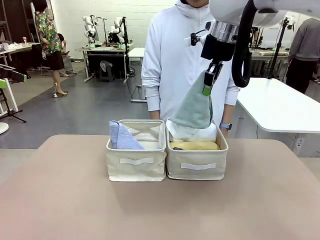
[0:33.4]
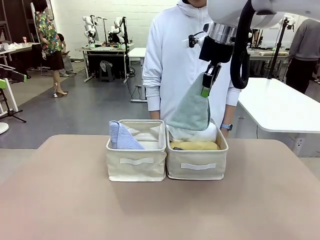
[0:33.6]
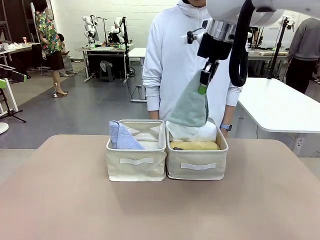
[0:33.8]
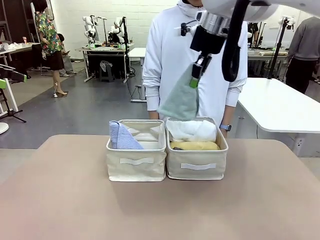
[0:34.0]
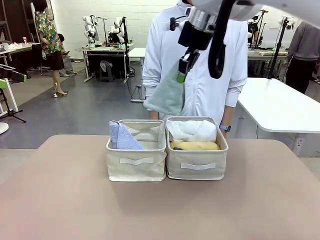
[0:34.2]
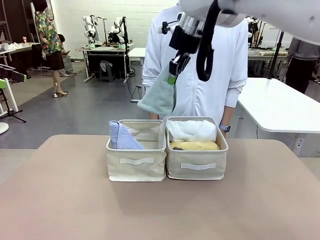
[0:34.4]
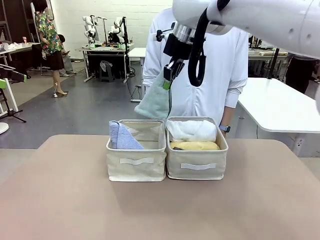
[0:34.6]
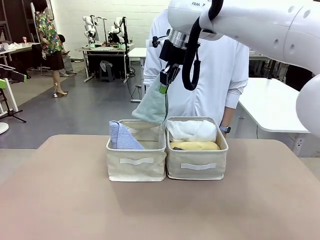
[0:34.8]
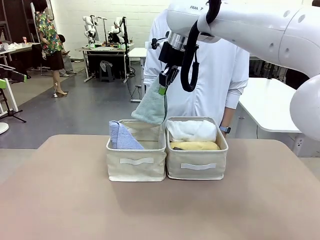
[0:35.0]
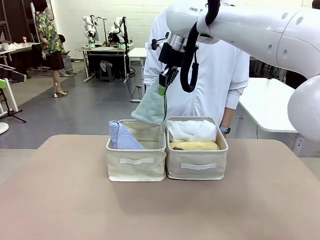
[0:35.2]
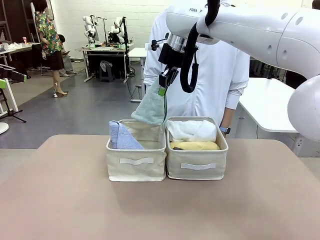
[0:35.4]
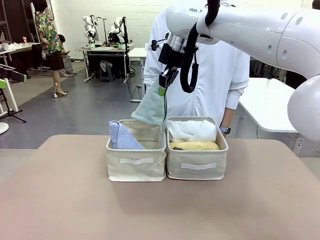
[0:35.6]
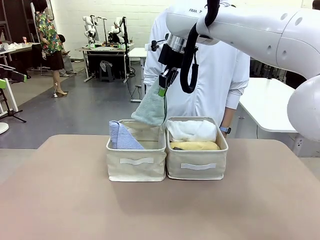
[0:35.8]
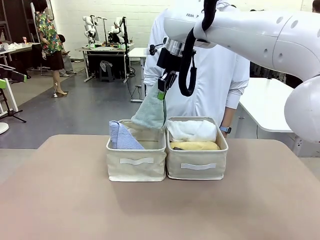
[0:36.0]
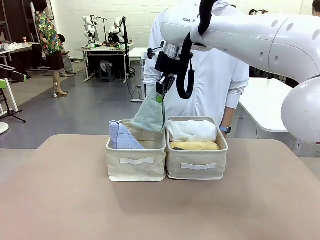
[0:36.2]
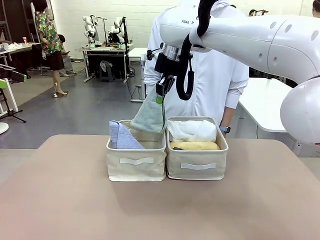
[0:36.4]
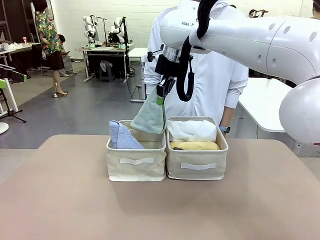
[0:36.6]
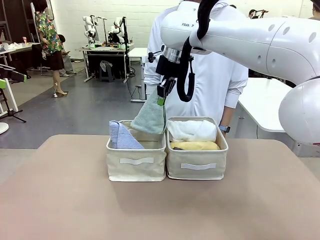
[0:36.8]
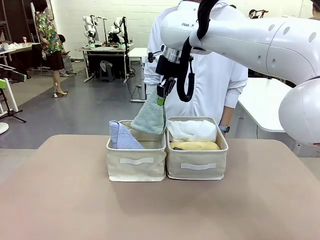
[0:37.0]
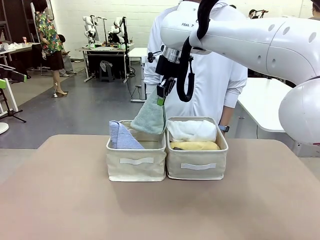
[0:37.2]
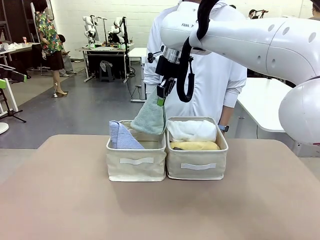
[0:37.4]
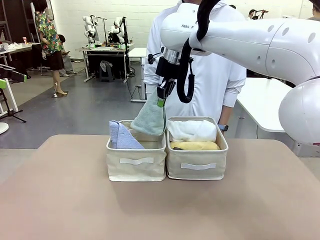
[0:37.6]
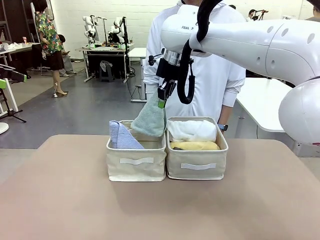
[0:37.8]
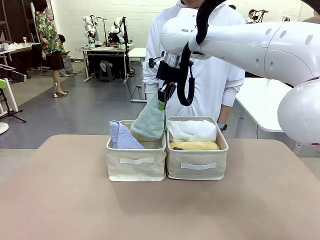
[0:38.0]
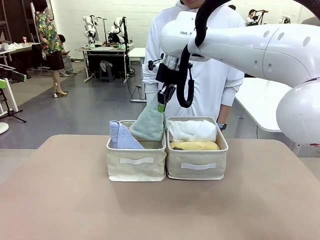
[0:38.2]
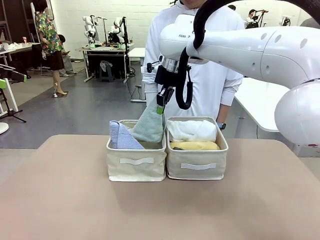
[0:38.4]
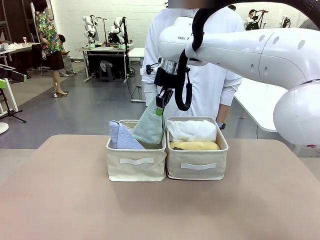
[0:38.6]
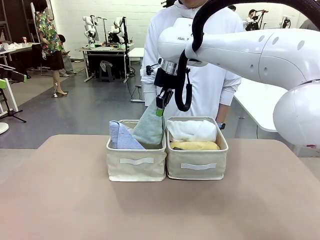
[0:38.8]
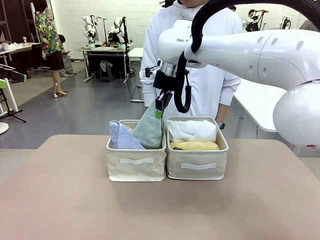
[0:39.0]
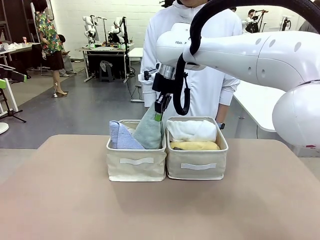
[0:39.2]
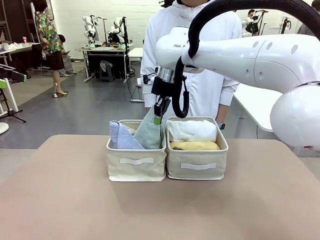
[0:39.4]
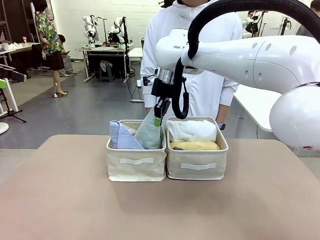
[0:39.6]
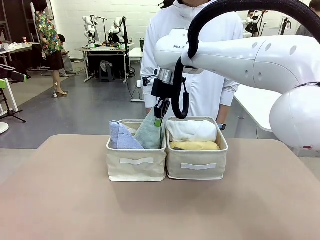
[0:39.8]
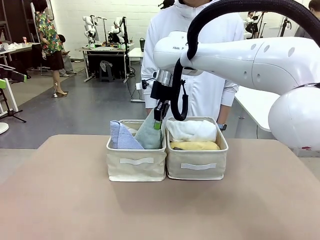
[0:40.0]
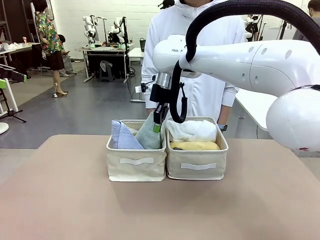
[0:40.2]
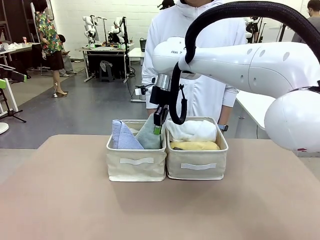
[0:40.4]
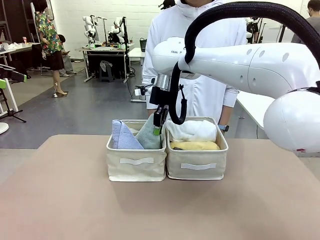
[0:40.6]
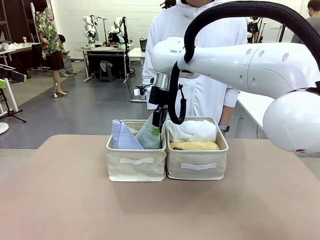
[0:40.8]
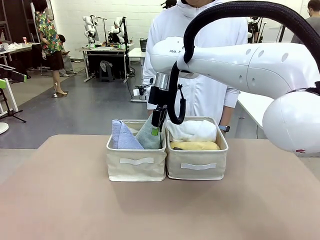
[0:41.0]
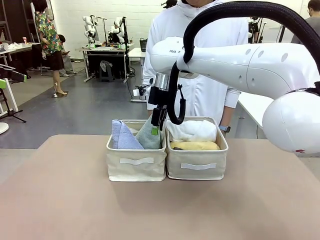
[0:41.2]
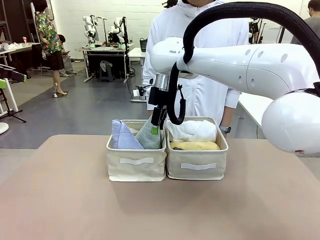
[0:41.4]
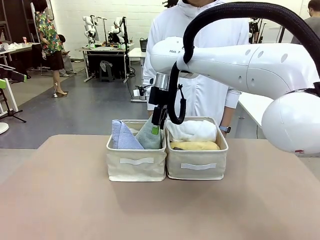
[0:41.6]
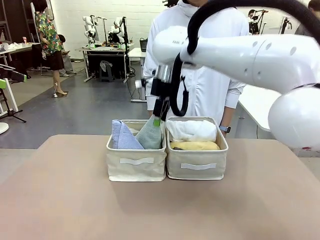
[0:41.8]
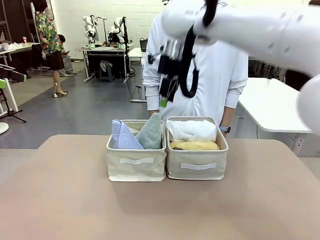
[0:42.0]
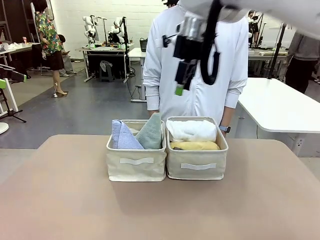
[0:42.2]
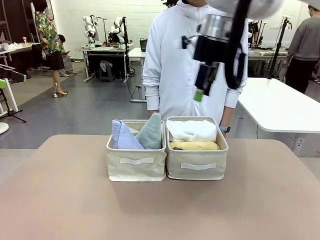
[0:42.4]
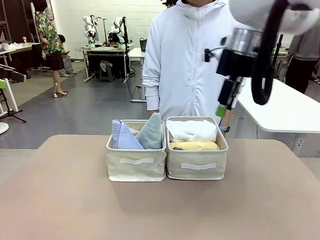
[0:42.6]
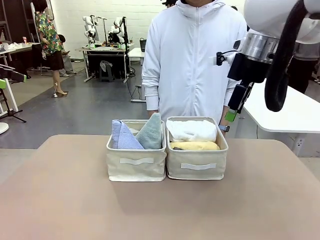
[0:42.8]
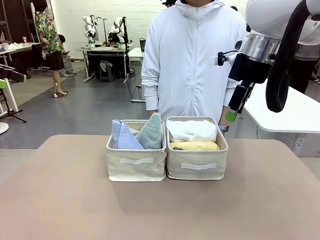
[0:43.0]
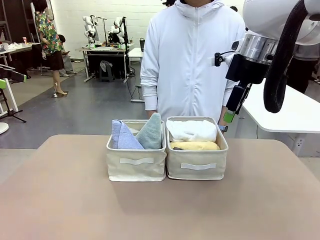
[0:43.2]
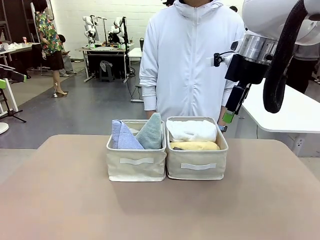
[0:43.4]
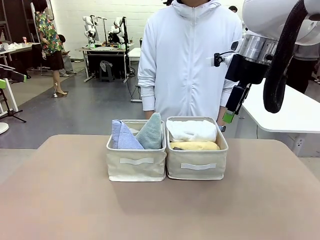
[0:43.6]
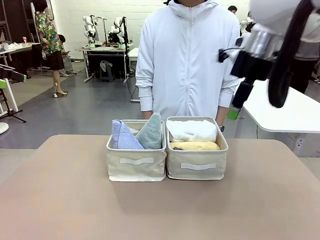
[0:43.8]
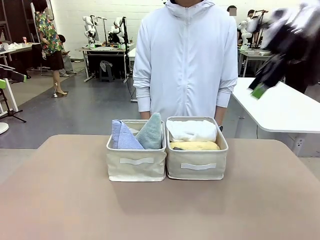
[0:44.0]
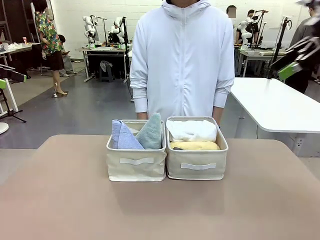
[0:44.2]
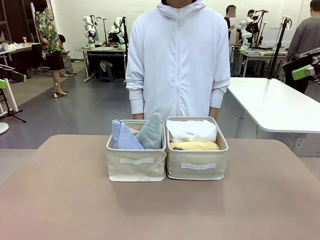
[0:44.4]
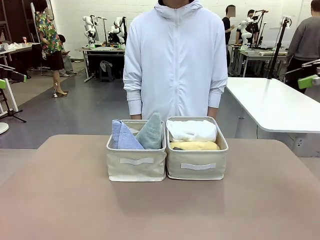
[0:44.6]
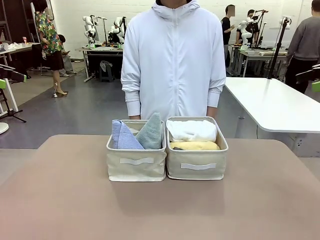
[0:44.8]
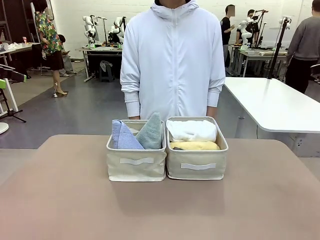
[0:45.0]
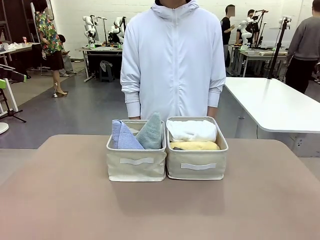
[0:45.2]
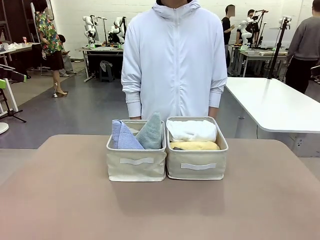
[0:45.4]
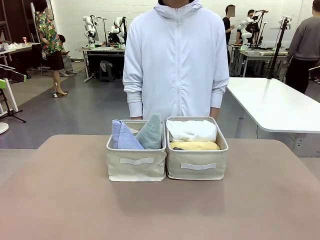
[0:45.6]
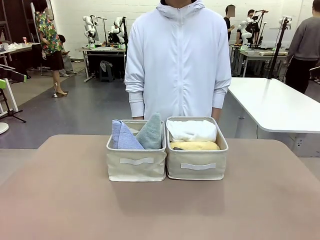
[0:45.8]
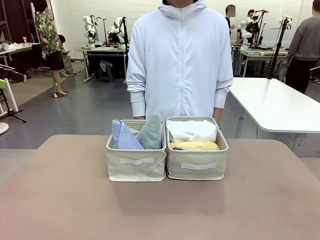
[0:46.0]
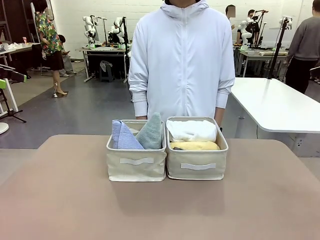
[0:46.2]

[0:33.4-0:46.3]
Task: Sort the towels based on their folding style.
Robot: Pick up another triangle-folded towel from the table and place it in the left Fabric basket.

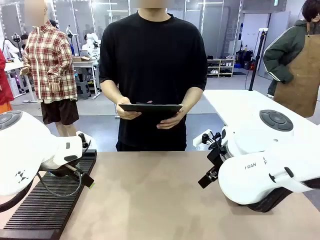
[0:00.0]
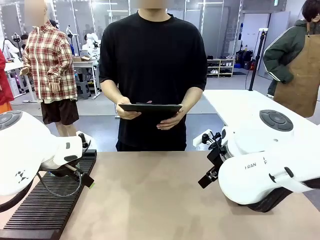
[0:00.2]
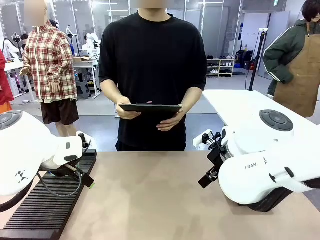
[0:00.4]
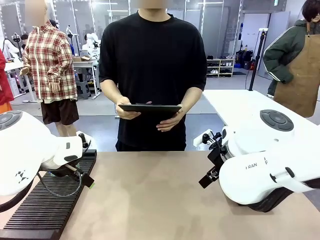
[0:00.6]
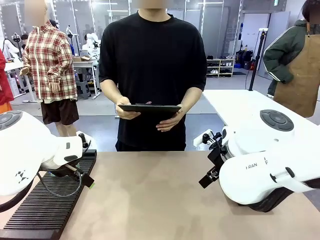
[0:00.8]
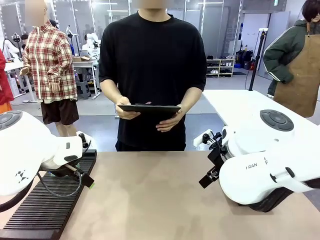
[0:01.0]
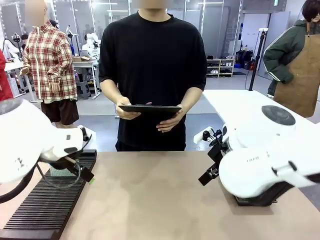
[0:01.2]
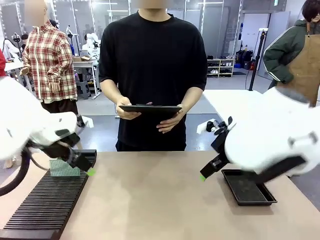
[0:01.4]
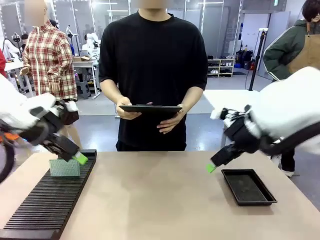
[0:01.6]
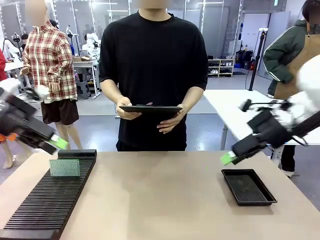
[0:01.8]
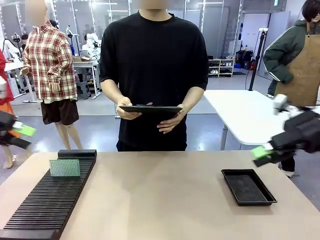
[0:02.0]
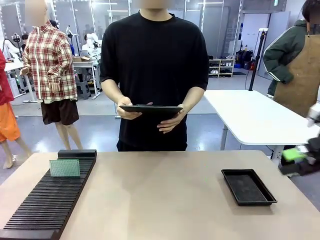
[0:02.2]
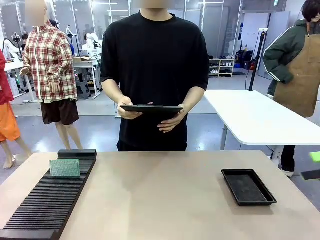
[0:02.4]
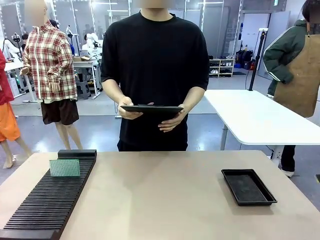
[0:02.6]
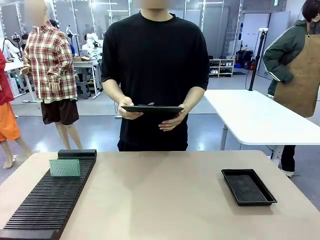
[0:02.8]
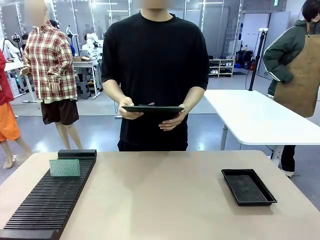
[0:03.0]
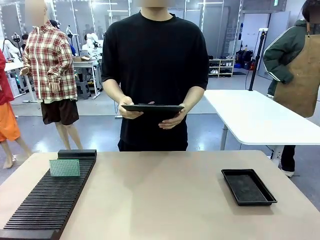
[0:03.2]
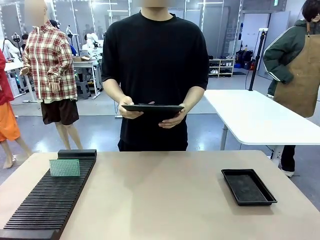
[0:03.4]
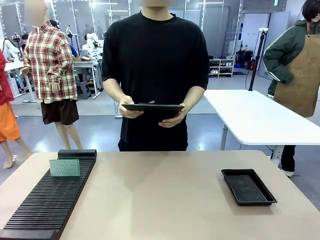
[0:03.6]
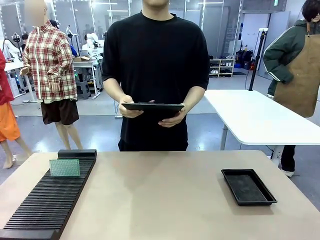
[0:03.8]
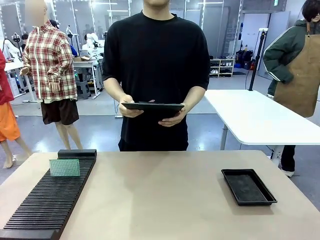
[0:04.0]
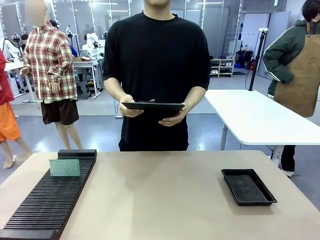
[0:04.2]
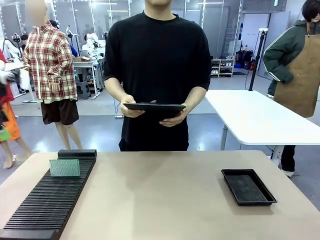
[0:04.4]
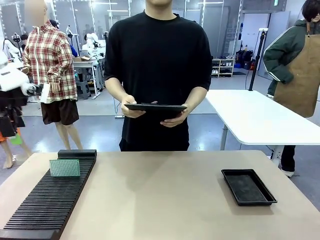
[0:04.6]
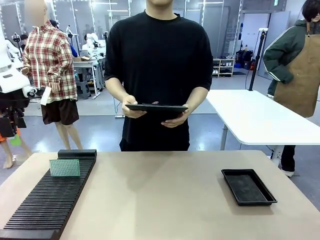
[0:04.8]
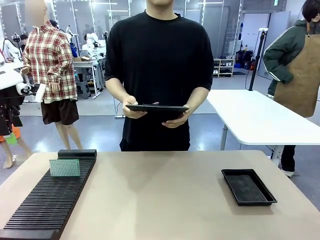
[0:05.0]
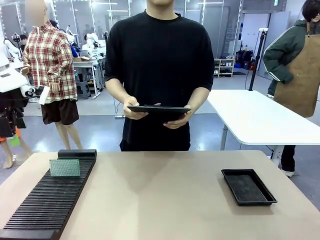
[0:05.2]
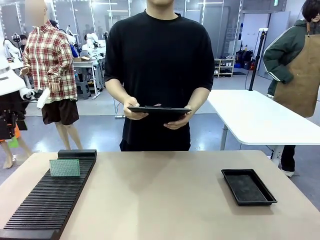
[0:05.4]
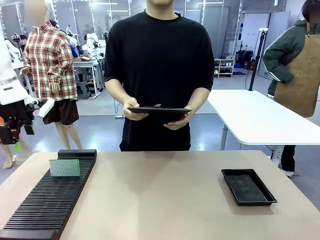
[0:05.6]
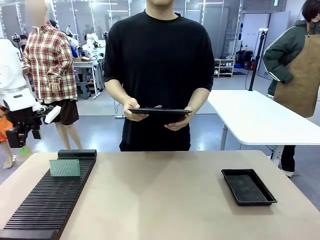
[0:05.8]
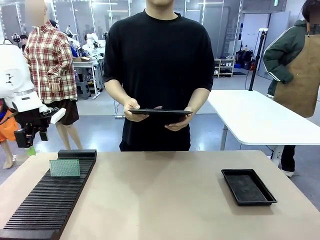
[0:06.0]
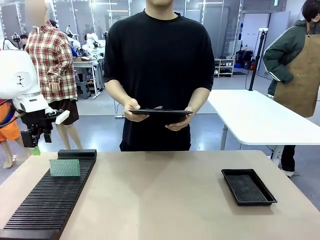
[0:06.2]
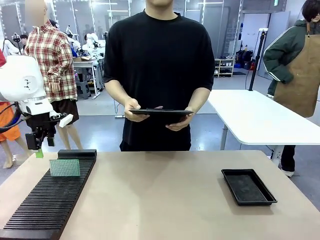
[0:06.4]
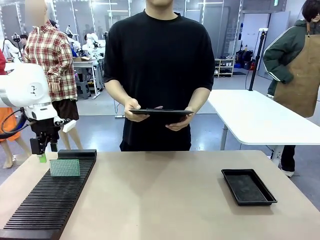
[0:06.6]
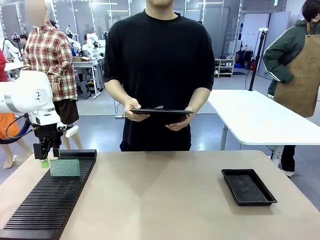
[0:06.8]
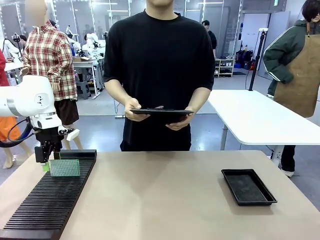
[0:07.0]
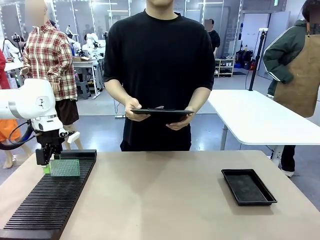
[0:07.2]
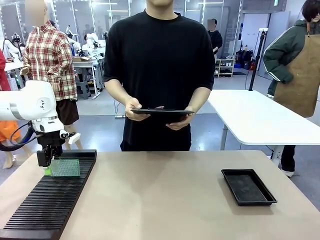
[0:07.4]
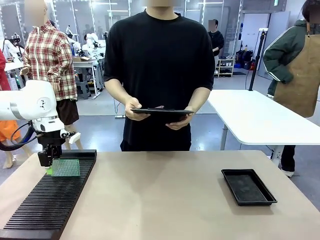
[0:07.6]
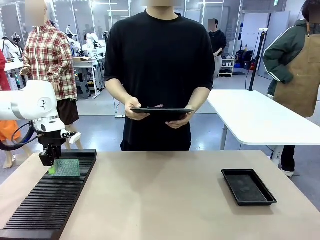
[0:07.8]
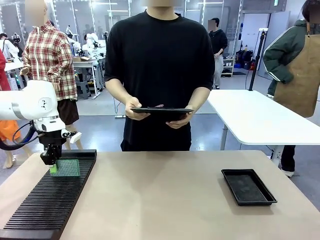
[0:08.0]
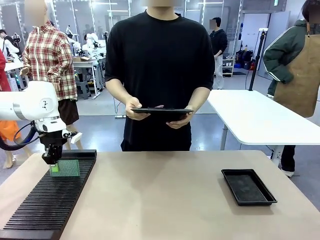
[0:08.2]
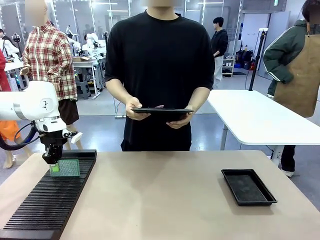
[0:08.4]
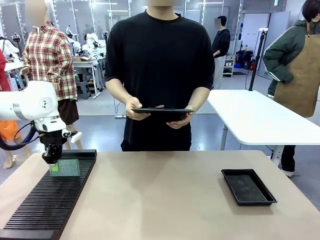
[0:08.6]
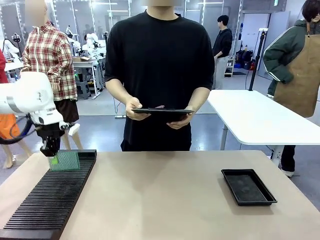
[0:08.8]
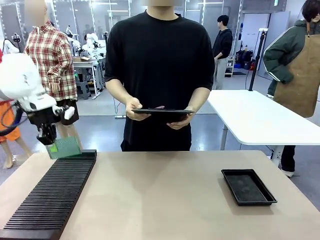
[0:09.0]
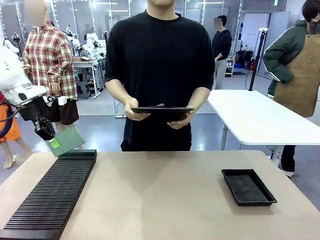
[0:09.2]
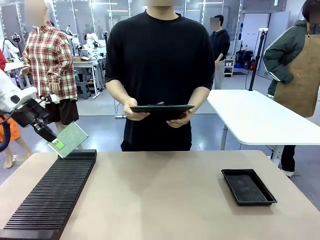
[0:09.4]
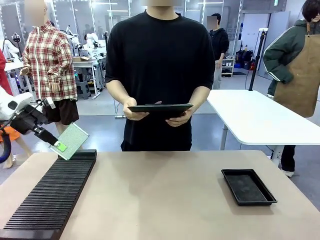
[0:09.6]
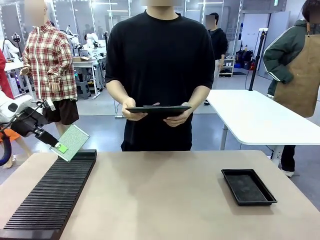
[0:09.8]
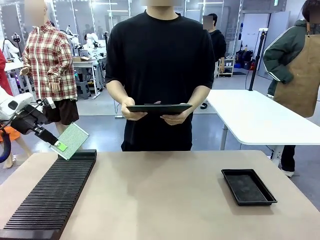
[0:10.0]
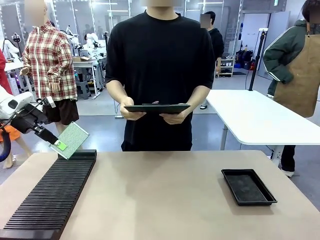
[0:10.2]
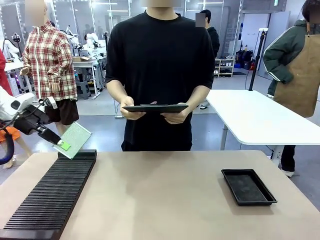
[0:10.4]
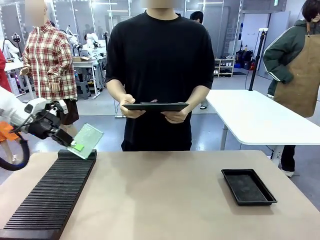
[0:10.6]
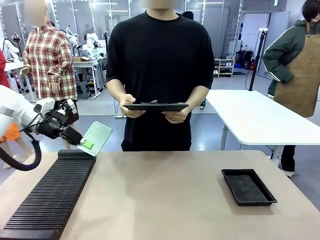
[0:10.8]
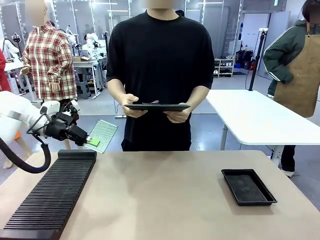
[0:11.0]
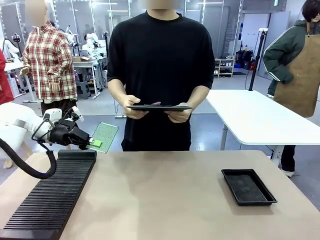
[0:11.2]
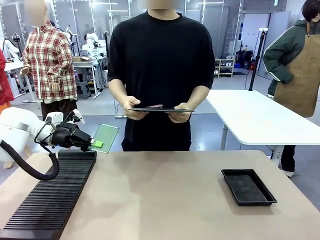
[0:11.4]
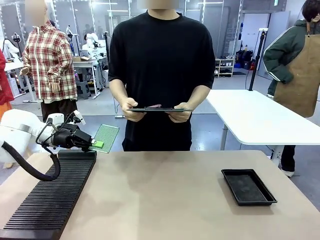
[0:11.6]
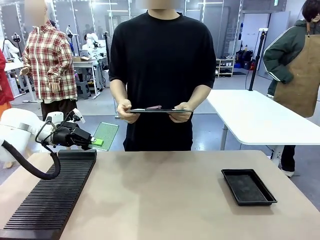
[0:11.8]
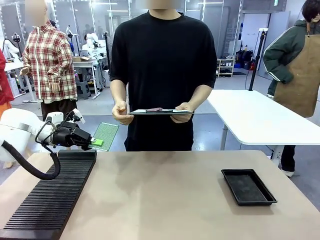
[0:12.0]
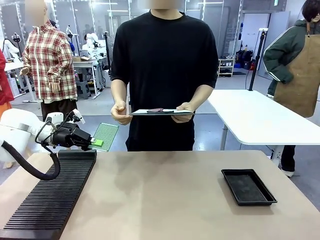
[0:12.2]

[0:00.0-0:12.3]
Task: Inspect the PCB.
Robot: Pick up the Blank PCB and present it to the human.
Person: Pick up the PCB presented by the robot.
